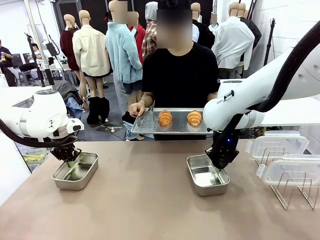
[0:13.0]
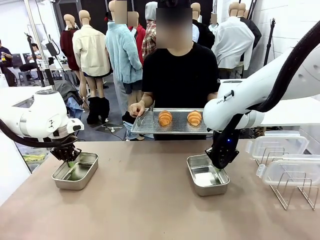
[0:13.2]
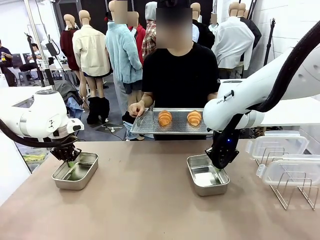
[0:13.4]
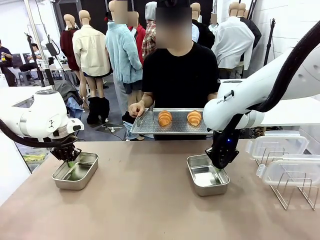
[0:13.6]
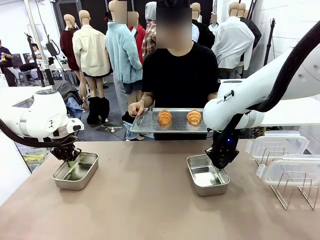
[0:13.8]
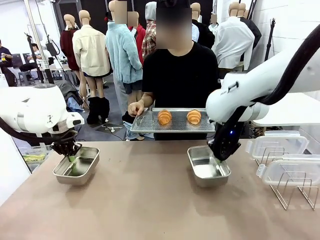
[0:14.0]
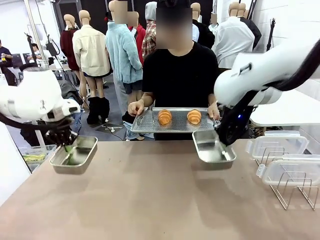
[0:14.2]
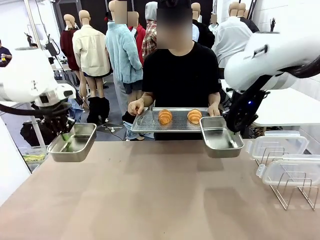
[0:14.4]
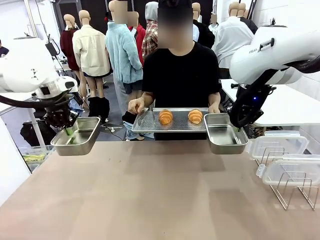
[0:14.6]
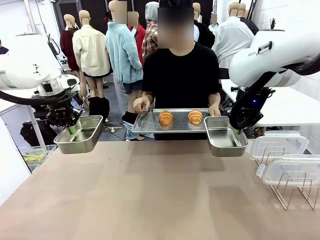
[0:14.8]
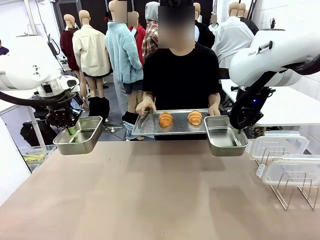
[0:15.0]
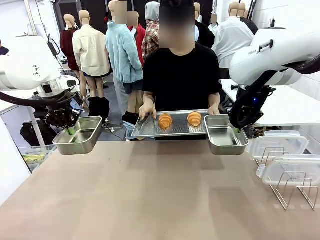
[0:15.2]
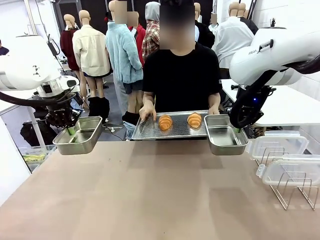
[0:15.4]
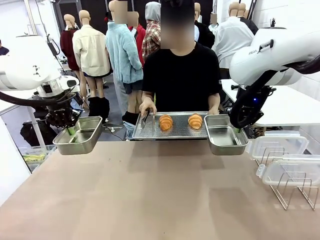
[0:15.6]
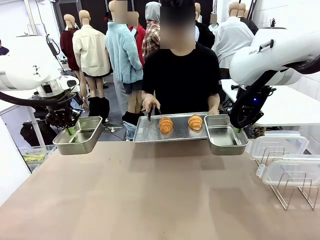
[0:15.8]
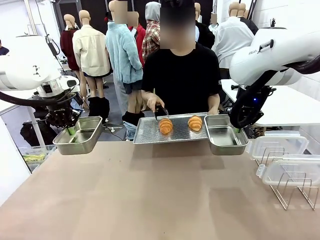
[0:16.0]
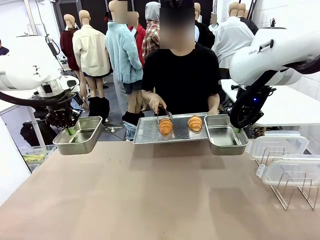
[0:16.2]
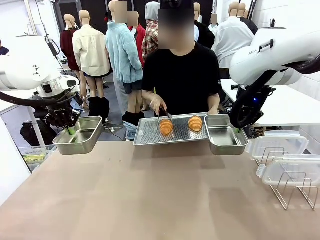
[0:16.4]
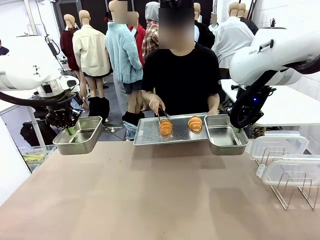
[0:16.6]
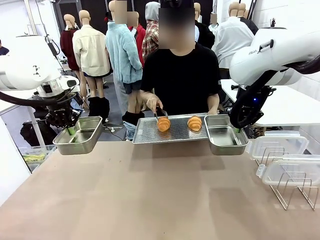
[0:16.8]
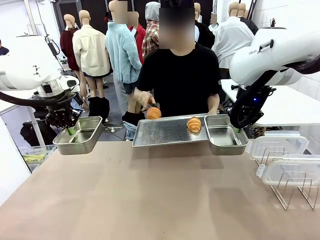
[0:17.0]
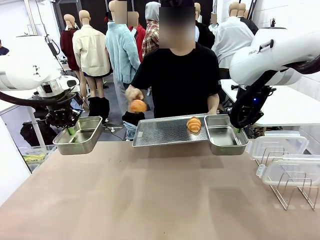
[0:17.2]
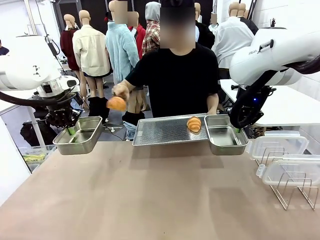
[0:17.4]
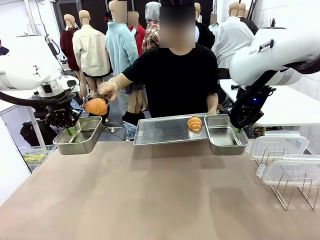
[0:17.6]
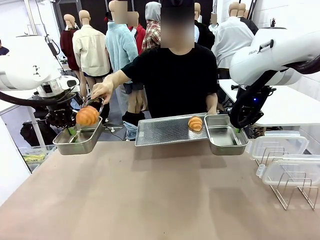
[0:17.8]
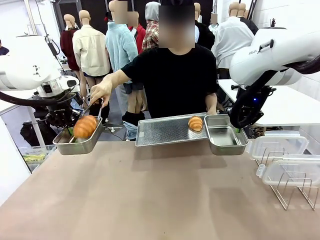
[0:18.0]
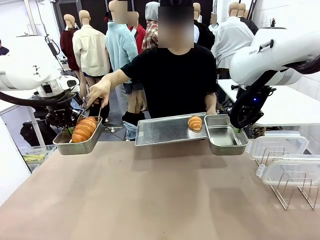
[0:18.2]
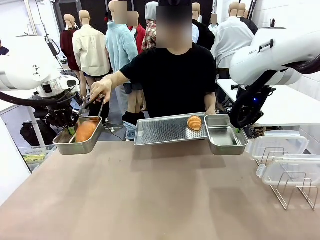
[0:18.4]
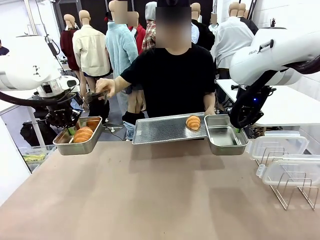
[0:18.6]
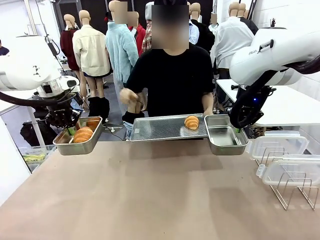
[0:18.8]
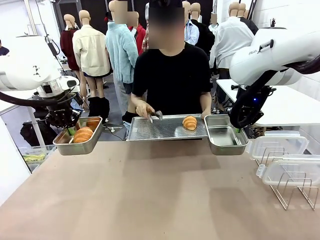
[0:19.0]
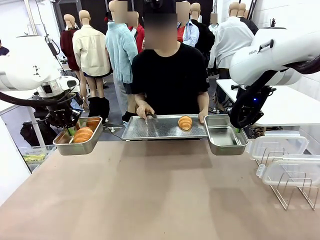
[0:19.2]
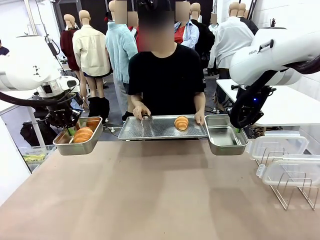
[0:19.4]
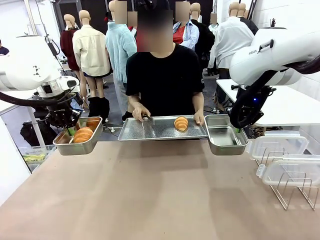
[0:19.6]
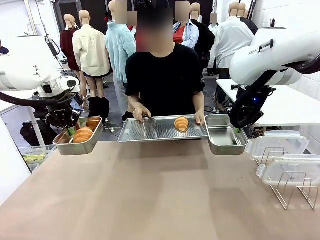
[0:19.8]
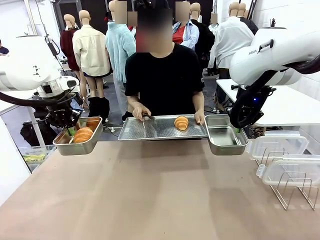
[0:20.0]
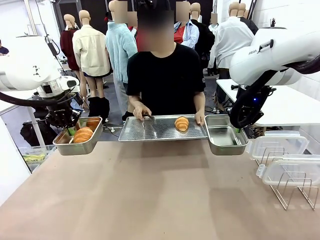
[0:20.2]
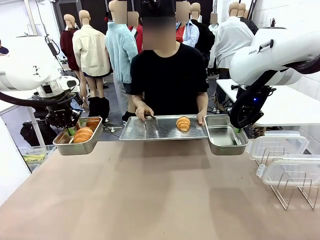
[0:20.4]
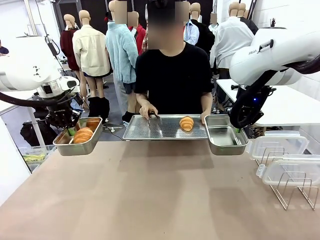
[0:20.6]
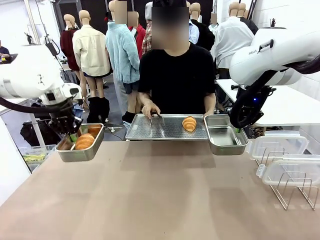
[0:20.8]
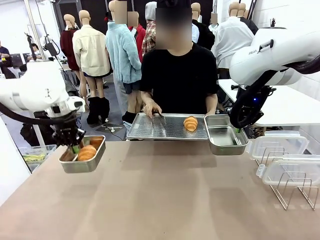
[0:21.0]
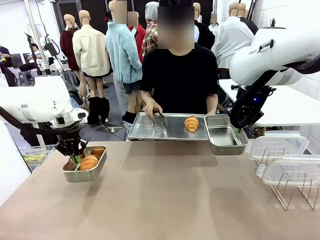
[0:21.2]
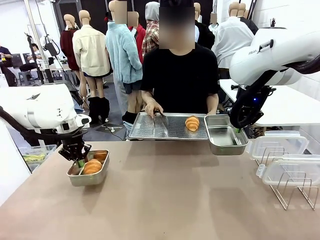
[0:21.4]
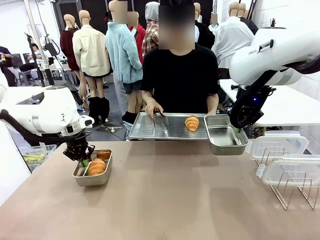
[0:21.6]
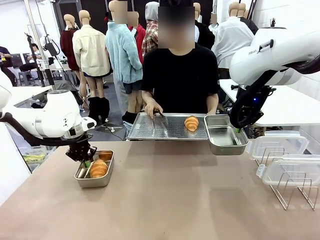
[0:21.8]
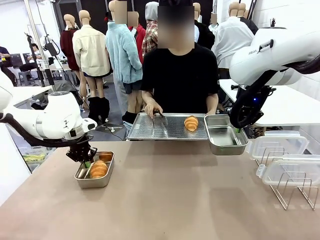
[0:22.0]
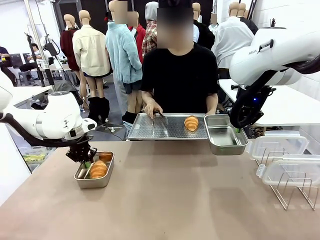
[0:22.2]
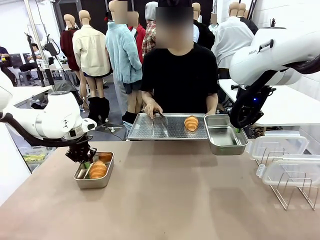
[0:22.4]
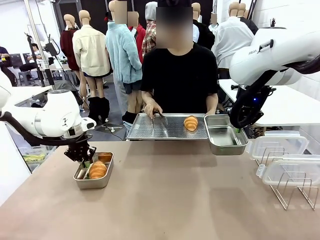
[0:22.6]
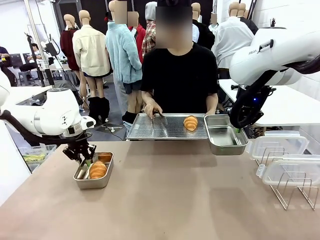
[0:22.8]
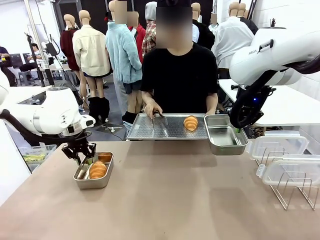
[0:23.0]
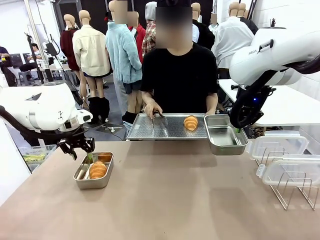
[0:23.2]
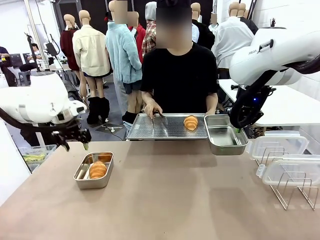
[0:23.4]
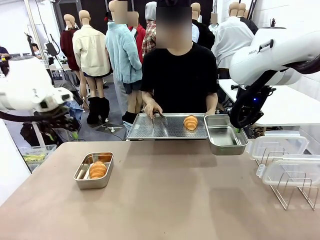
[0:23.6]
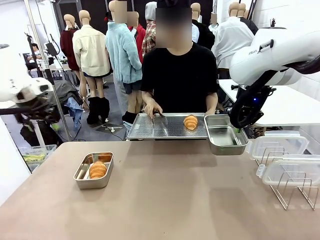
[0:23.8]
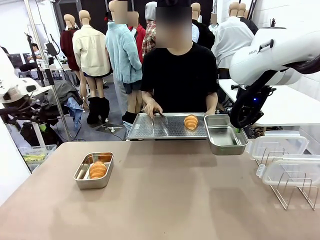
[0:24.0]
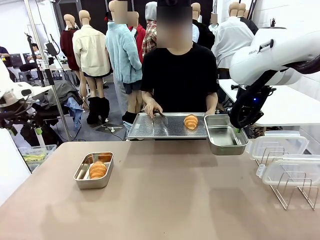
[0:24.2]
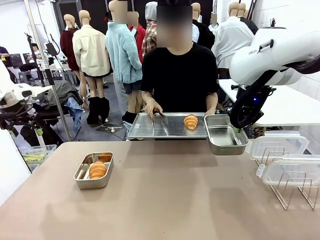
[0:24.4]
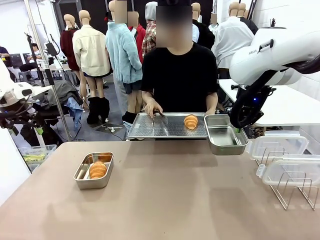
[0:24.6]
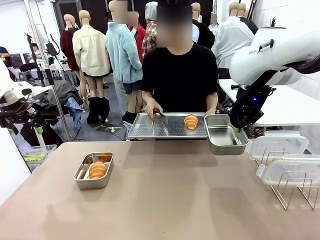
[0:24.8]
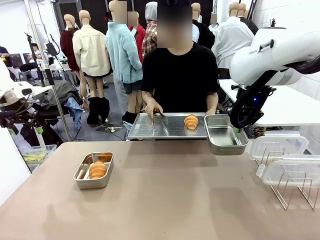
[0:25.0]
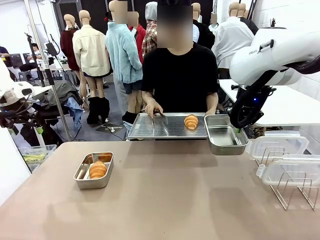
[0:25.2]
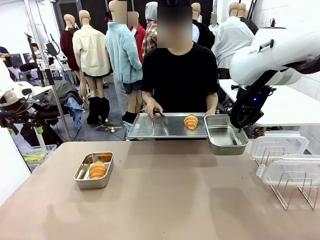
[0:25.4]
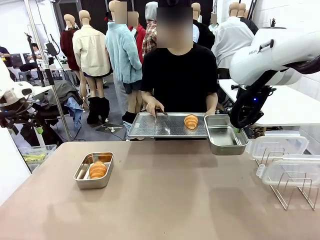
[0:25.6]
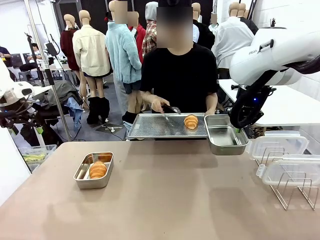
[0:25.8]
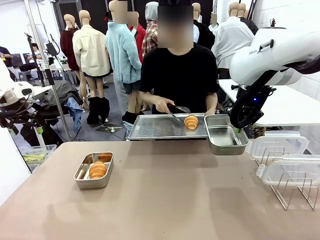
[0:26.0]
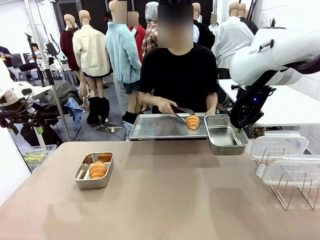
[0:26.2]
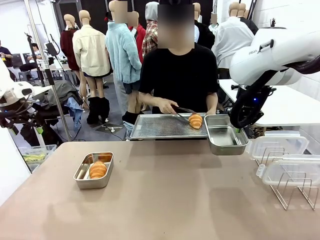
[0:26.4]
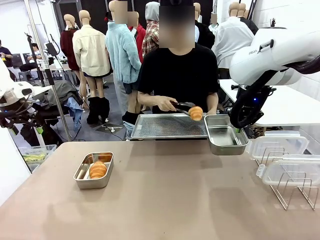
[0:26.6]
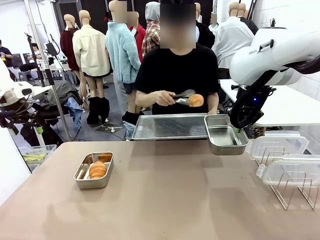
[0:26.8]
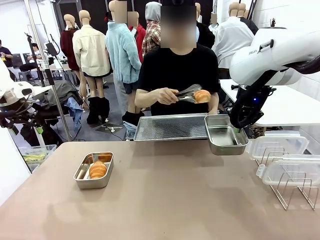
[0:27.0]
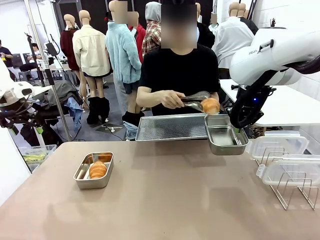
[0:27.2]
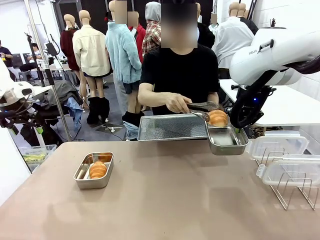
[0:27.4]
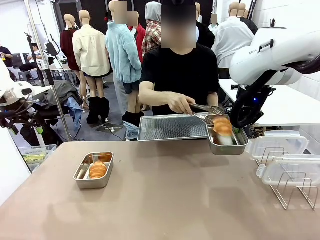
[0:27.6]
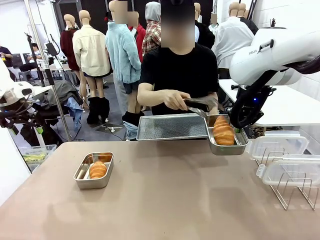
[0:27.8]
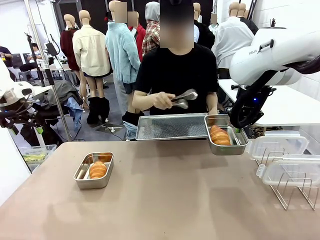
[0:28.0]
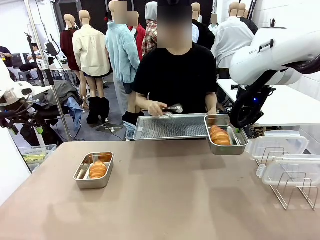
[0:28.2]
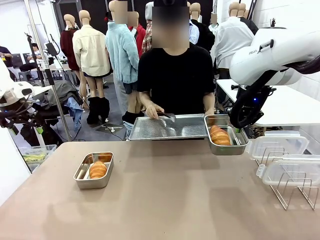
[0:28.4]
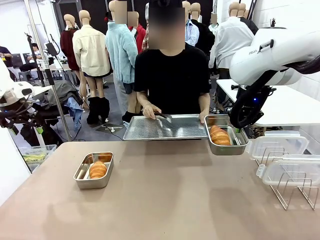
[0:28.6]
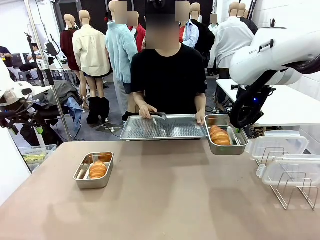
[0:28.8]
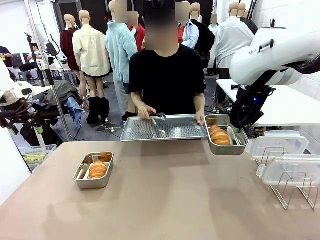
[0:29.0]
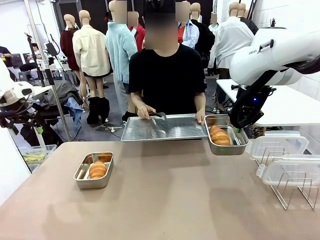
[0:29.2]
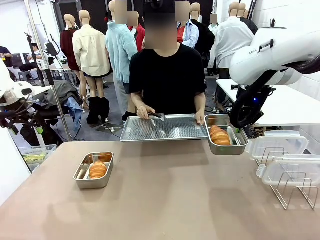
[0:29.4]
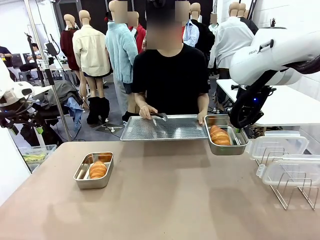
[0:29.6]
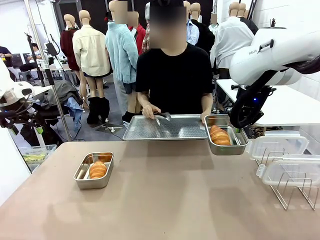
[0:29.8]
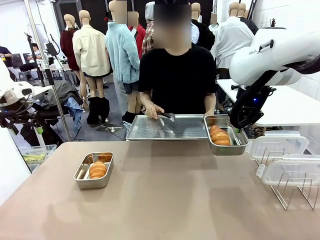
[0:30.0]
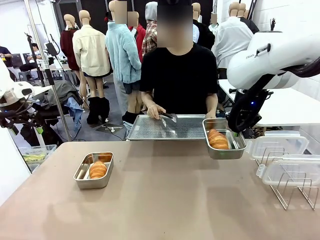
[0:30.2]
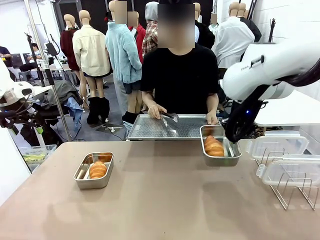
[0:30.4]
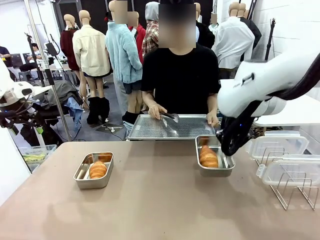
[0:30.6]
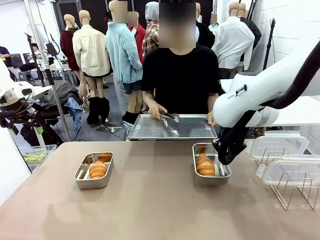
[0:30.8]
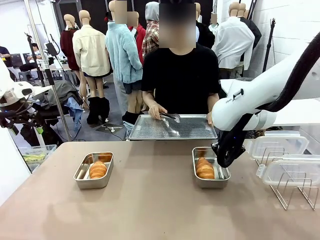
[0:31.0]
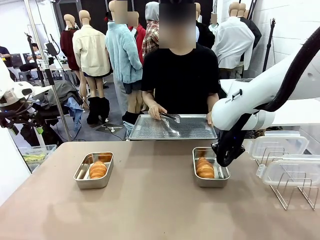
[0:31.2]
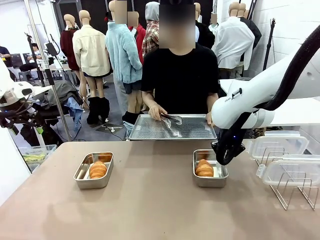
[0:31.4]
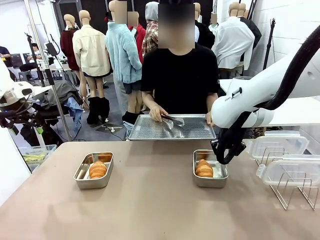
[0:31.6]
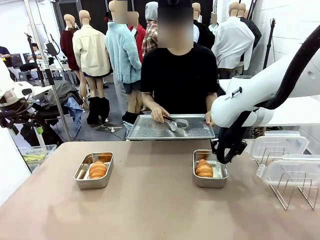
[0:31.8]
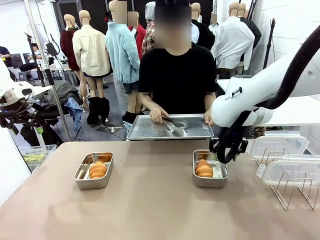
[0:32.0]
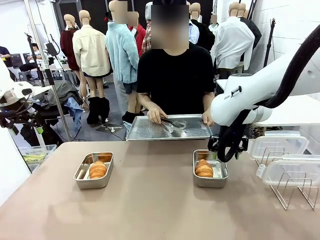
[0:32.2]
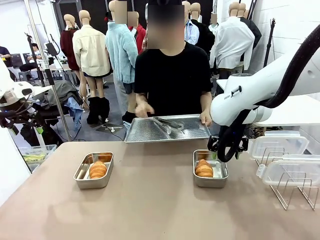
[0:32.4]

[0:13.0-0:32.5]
Task: Place the bread in airtight containers.
Robot: Once an object is inside an Airtight Container , place the container in the center of the table.
Person: Use the Stainless steel tongs to place one object from Baking Sheet into one Airtight Container.

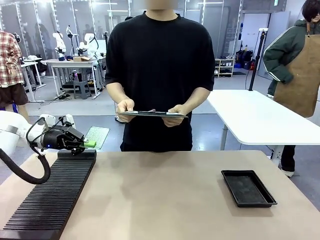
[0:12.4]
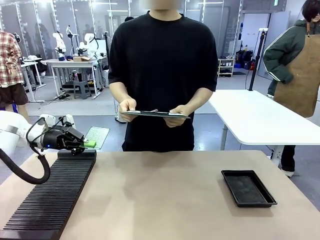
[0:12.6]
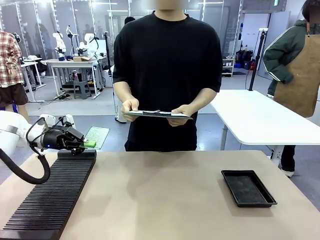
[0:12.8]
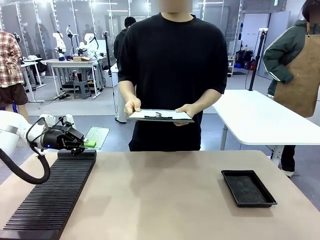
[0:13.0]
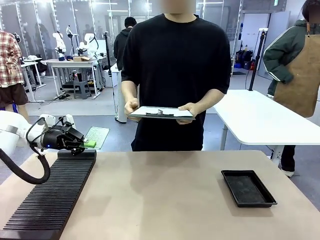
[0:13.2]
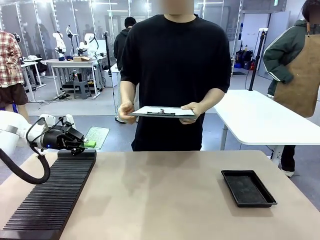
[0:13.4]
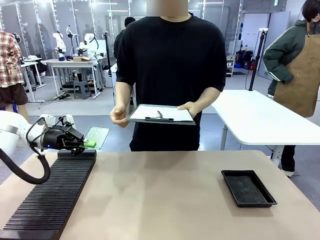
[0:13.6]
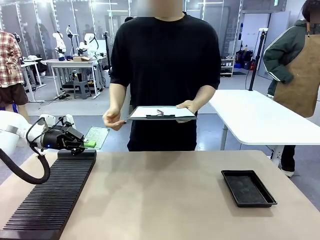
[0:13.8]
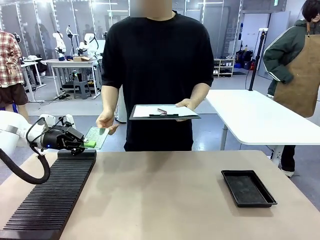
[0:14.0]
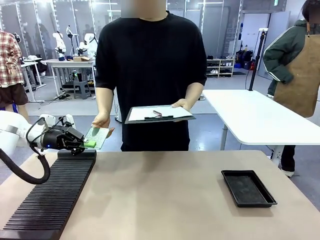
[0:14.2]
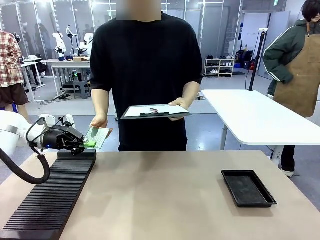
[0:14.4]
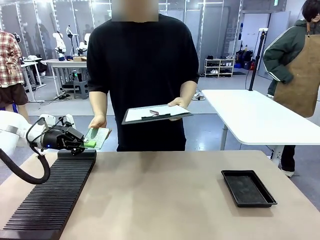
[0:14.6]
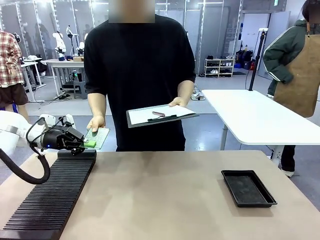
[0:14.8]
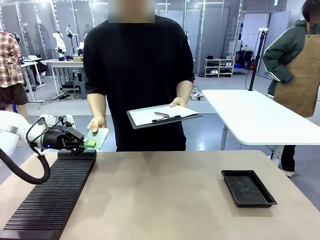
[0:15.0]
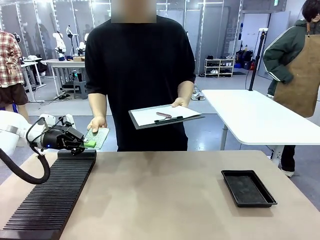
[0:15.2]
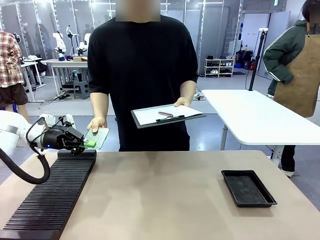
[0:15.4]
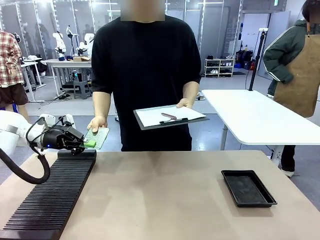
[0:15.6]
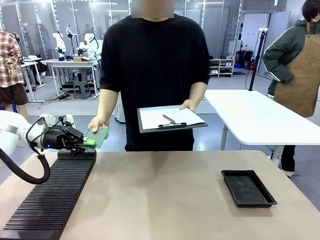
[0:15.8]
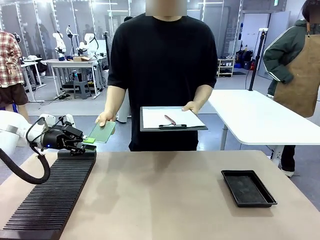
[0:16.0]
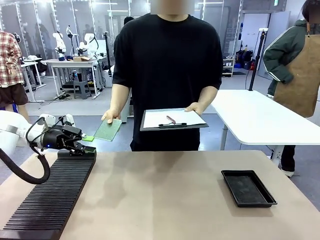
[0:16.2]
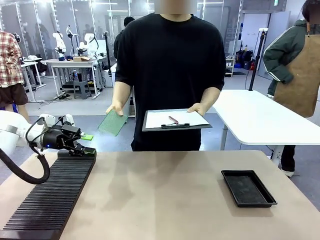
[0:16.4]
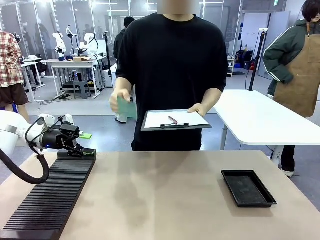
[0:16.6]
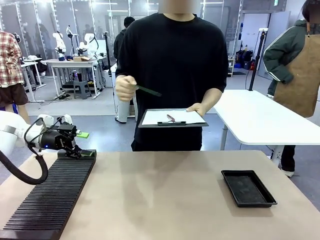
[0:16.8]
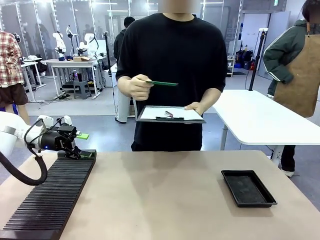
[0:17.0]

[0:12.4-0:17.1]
Task: Inspect the PCB.
Robot: Release the Blank PCB you were holding.
